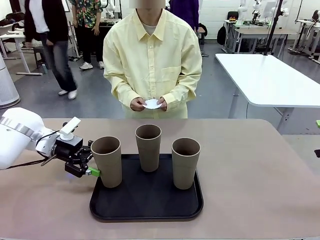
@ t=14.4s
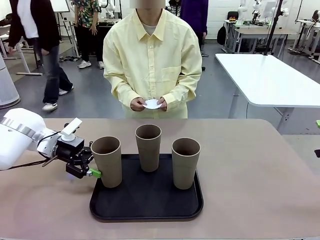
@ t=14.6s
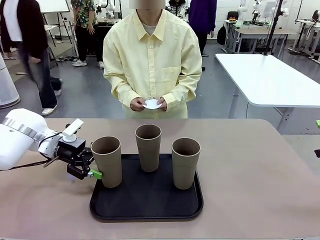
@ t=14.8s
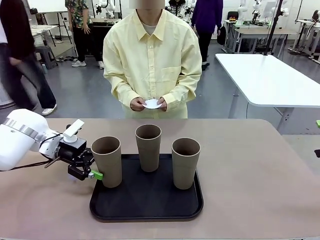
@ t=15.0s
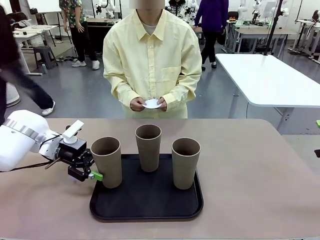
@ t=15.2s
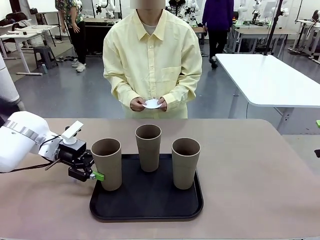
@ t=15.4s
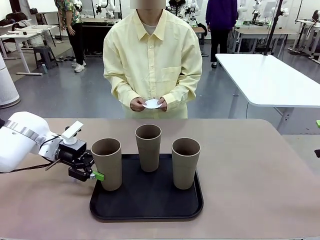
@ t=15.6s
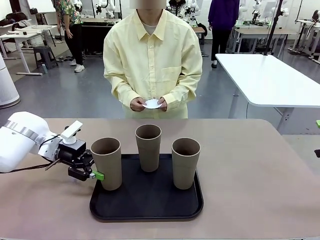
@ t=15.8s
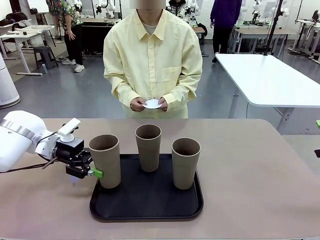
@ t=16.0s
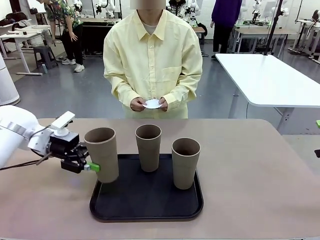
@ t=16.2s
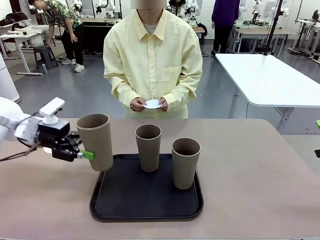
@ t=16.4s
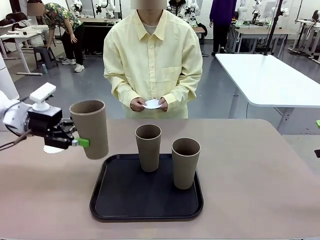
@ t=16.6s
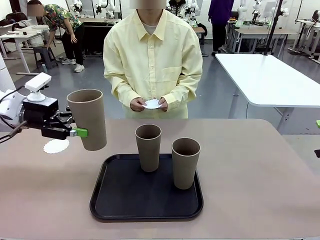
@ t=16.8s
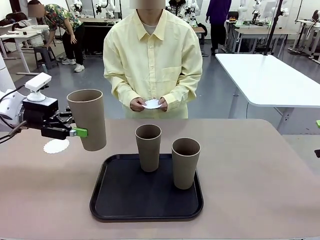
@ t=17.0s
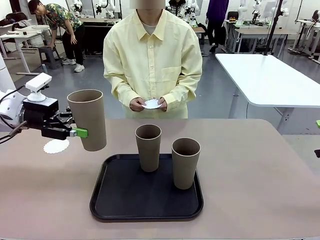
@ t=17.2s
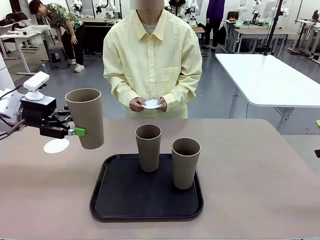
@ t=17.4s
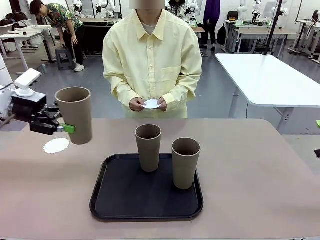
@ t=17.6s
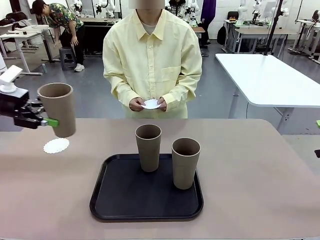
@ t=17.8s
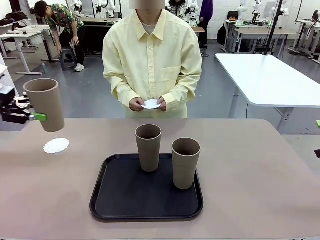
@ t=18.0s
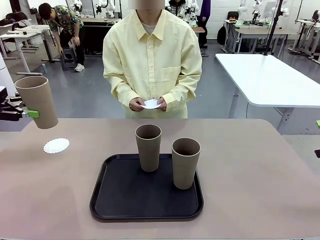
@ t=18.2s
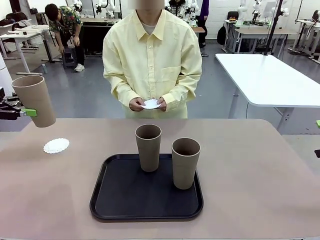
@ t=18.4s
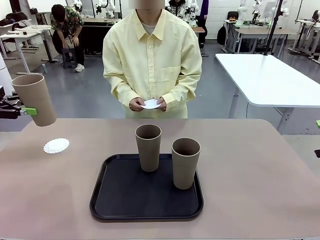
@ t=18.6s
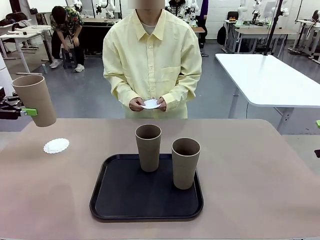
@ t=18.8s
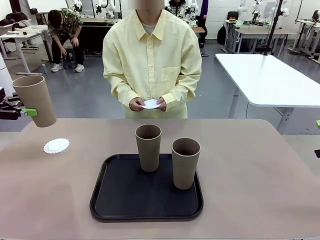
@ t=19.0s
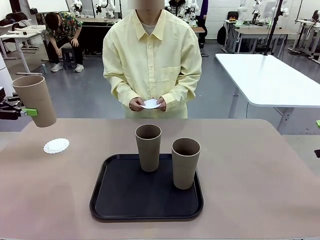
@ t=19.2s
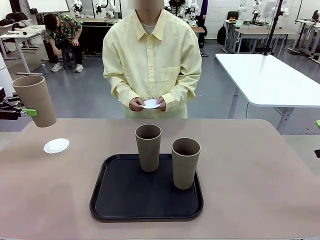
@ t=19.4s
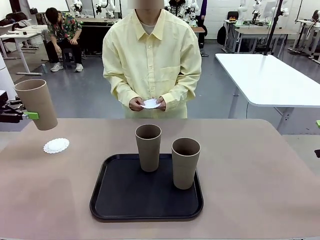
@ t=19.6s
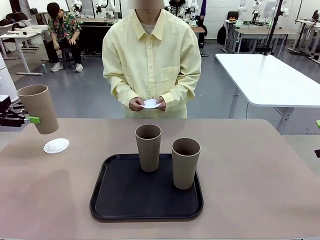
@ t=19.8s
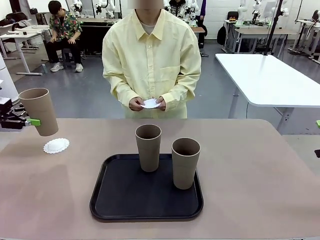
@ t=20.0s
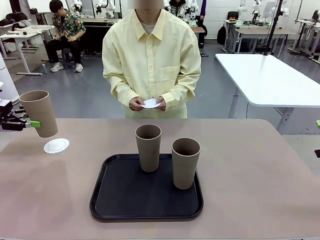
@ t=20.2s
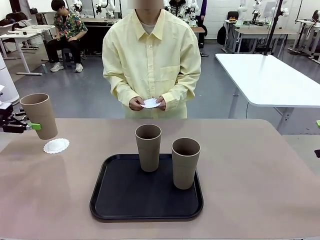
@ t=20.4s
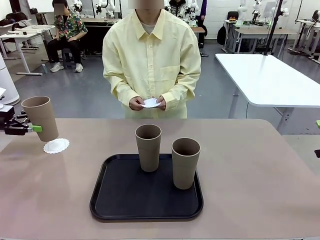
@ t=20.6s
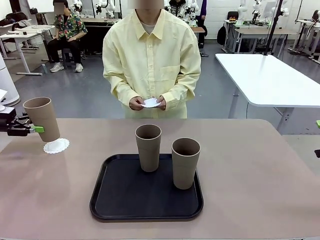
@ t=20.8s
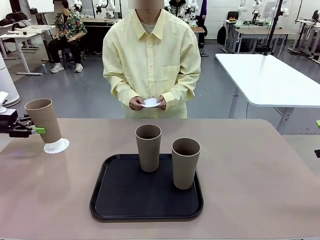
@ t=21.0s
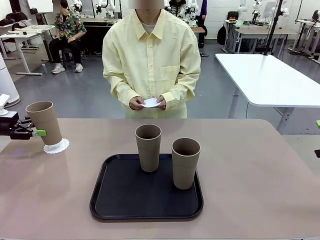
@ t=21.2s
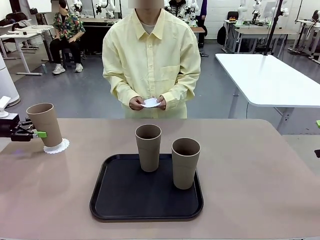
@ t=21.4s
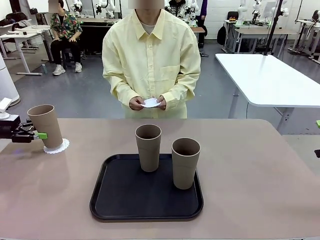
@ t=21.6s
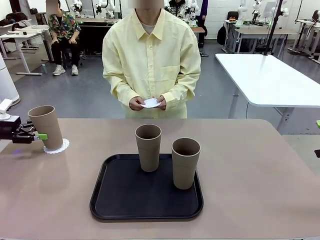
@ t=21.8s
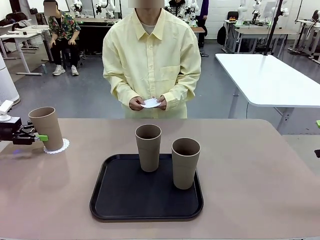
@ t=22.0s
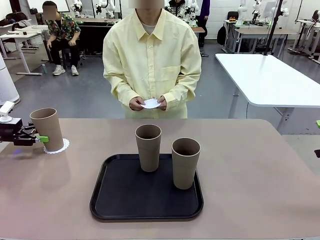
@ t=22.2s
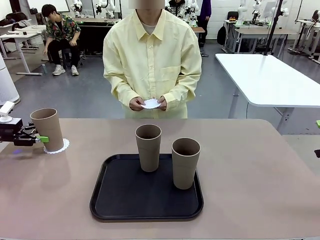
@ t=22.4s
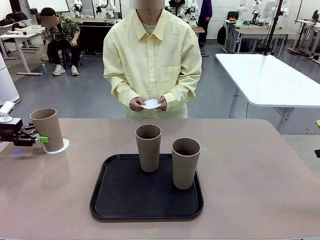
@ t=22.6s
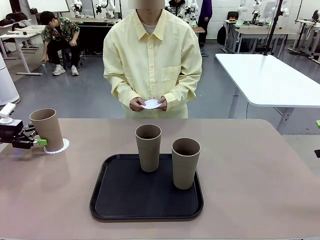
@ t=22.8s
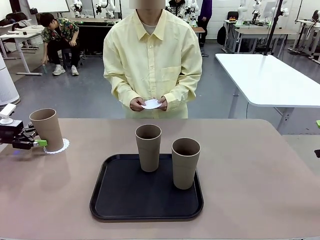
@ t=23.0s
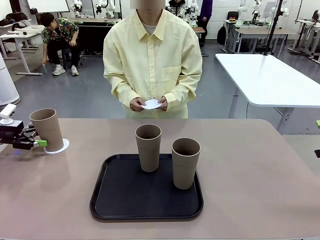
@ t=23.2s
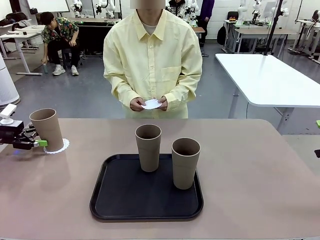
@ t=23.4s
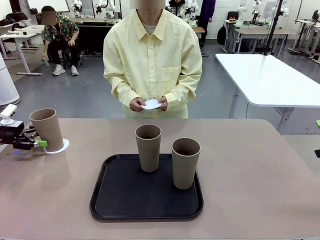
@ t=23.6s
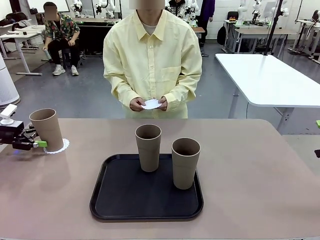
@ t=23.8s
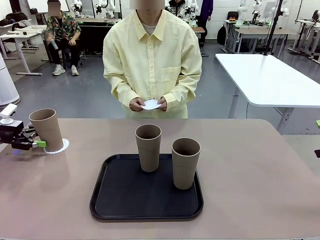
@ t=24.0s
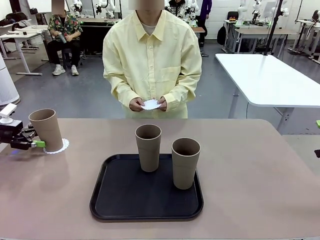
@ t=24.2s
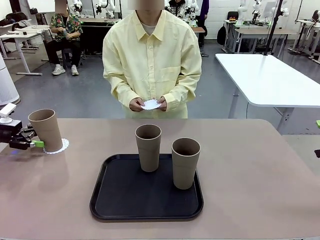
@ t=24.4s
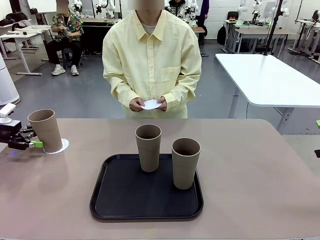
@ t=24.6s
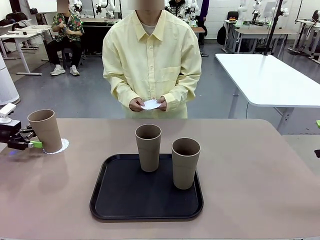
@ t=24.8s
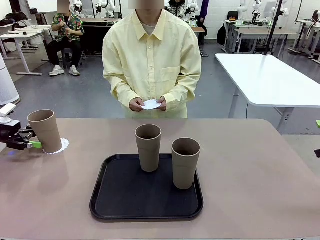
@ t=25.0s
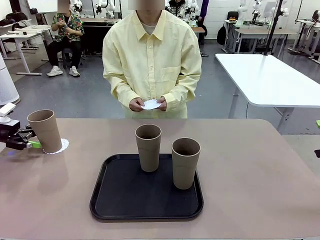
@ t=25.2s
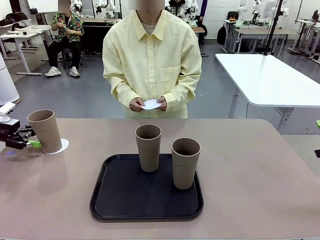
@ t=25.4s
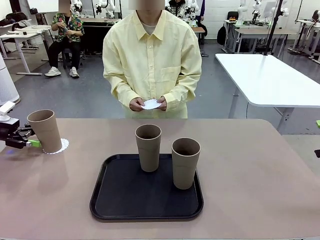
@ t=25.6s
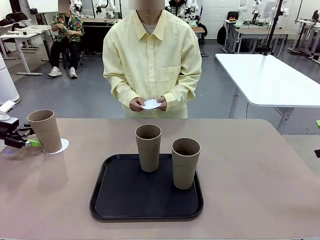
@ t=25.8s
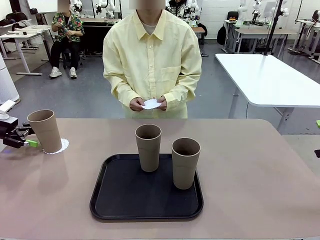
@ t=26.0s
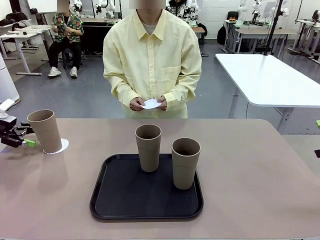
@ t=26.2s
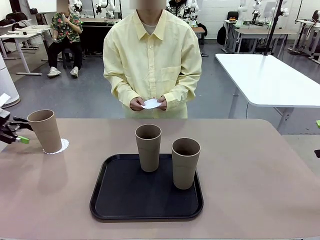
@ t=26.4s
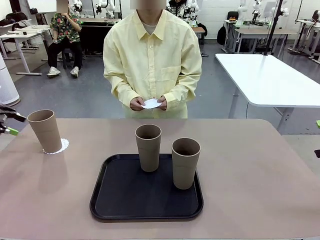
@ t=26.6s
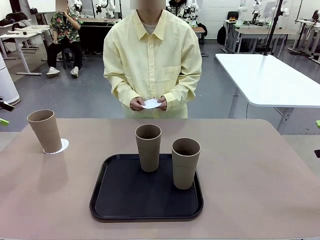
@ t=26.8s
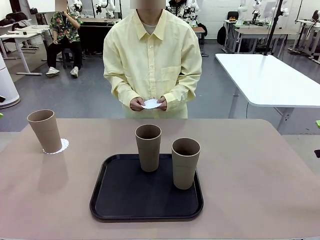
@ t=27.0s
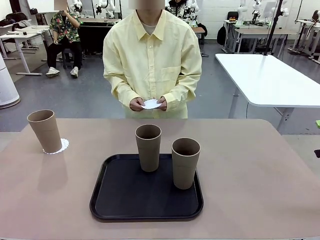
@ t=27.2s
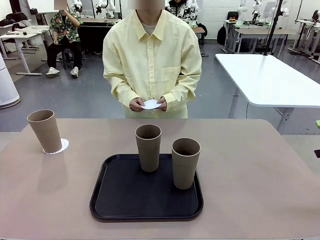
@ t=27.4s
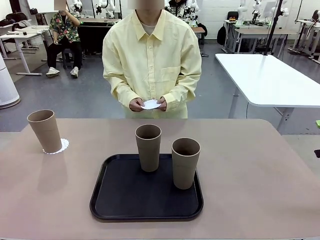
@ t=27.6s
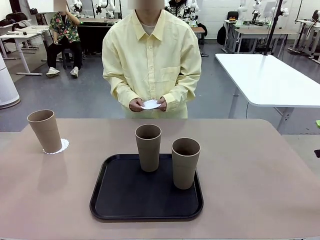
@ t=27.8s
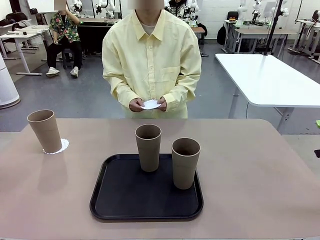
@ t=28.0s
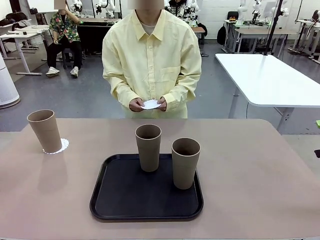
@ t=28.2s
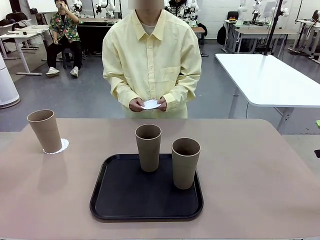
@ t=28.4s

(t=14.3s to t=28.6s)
Task: Place coasters on the table and set cups on them.
Robot: Pick up one Reusable plastic cup and place it on a coaster set by the human.
Person: Place one coaster in one of the two areas excluding the previously selected area.

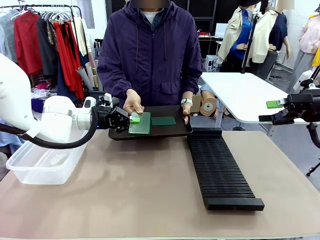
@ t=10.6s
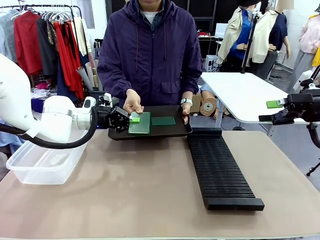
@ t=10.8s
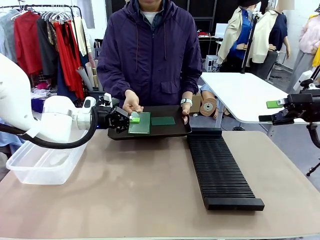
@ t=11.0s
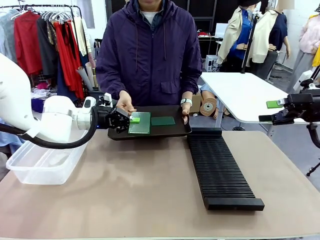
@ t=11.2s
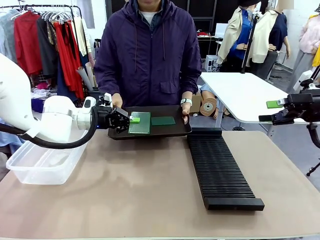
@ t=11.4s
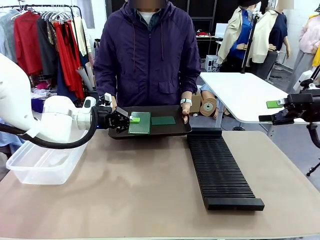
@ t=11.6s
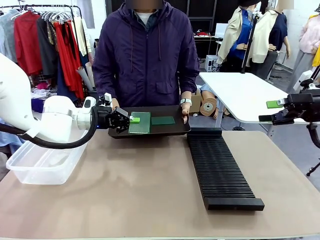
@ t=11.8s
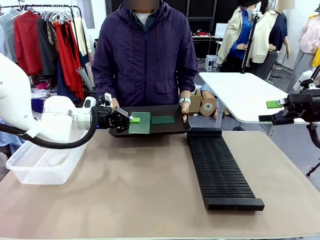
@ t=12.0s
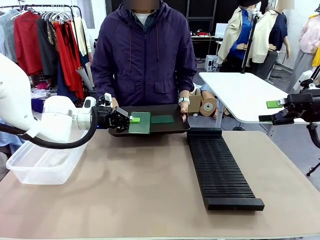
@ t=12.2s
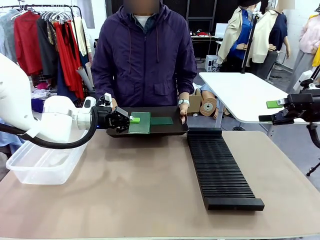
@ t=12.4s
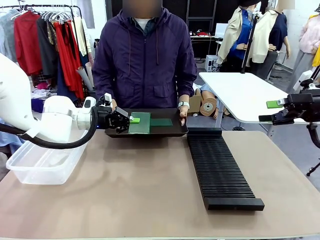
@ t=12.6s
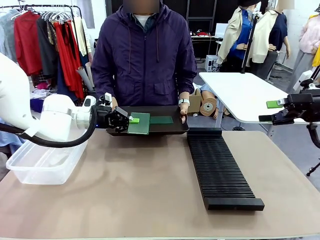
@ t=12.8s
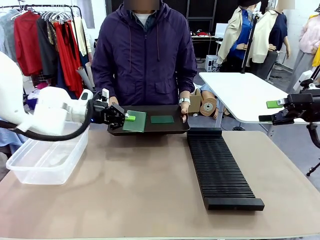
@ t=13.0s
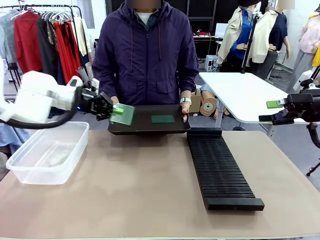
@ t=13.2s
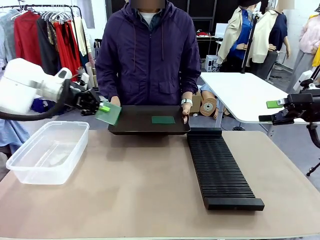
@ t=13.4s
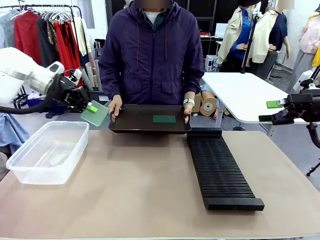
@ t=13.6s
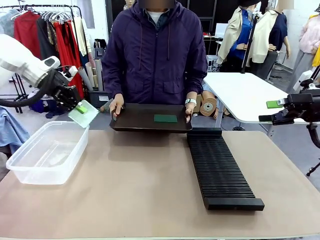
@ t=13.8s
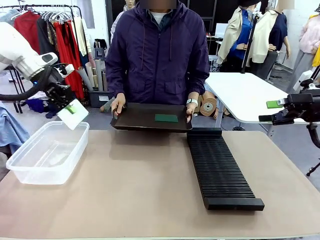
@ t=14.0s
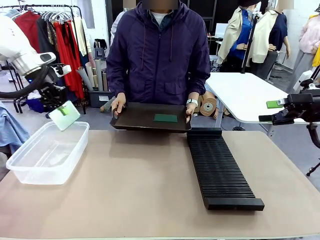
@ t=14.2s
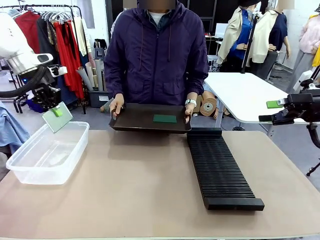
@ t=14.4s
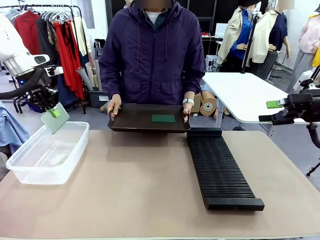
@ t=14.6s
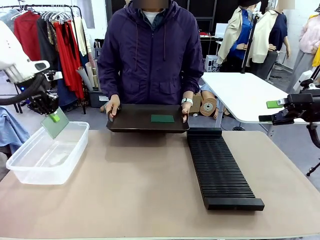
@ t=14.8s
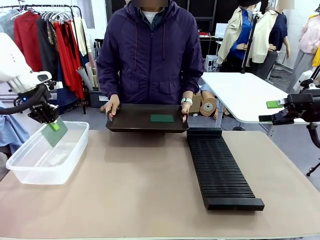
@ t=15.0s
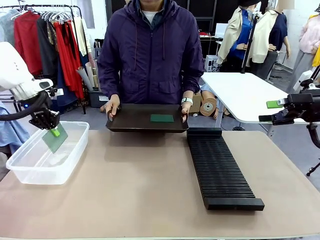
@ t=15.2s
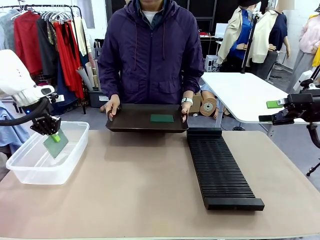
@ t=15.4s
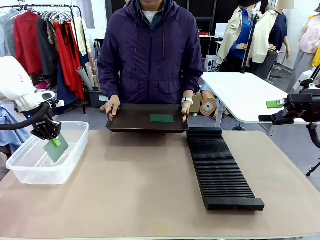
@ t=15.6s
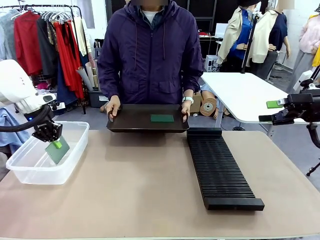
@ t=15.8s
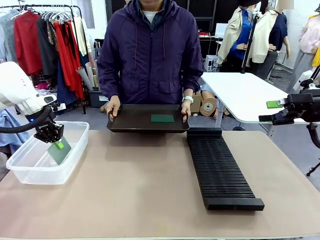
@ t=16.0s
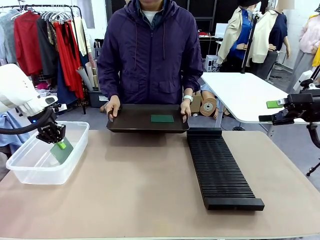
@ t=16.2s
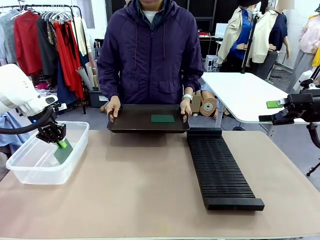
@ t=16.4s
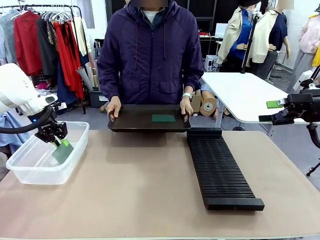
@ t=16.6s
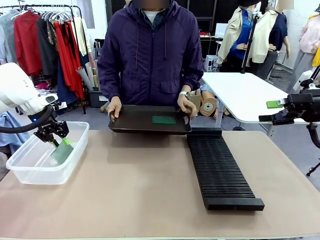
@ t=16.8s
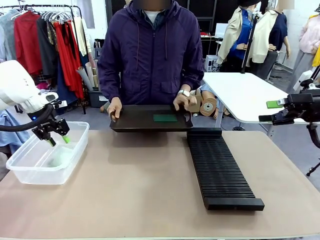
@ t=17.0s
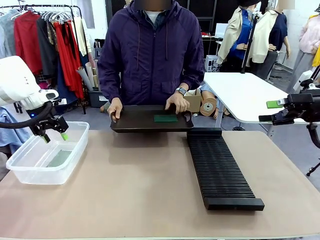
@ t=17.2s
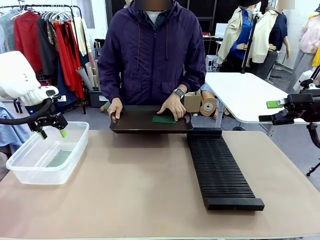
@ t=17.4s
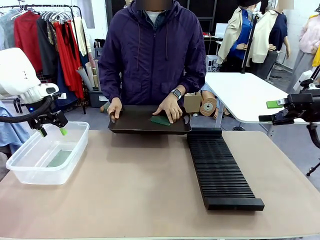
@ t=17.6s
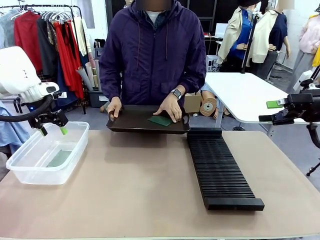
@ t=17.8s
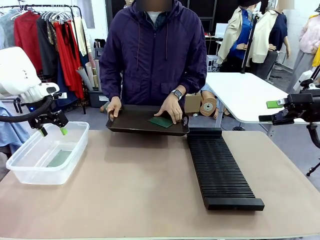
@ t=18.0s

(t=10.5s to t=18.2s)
Task: Sort PCBs into racks and boxes based on the side picked up.
Robot: If the short side of the Blank PCB is picked up, insert it into the PCB Rack ; if the long side is picked up, place it in the Organizing box.
Person: Pick one PCB from the tray and present it to the robot.
